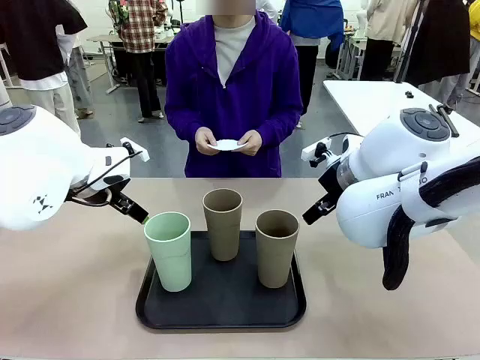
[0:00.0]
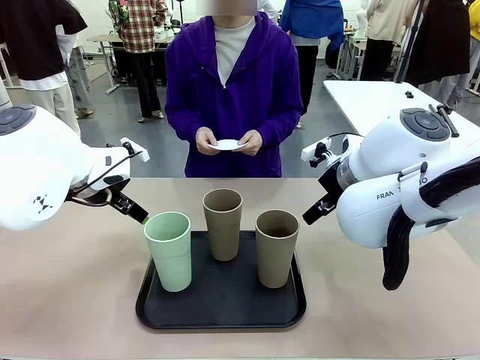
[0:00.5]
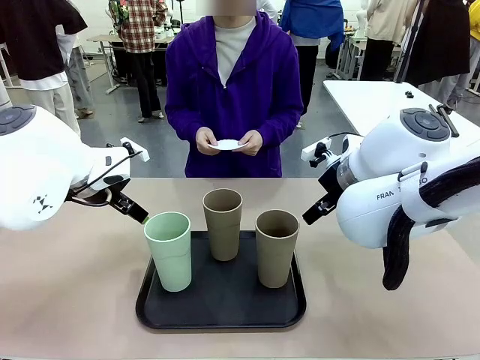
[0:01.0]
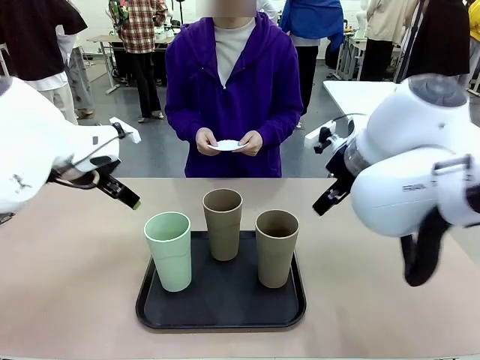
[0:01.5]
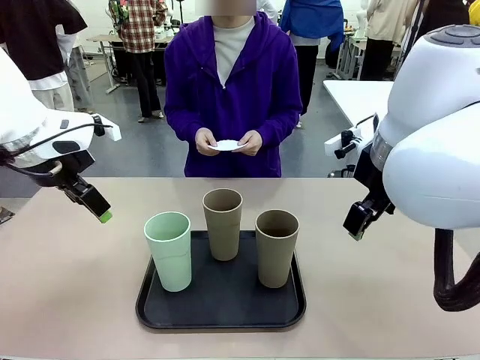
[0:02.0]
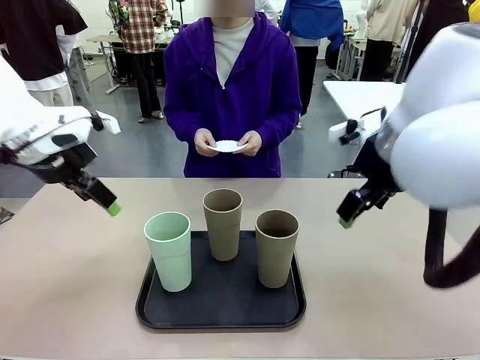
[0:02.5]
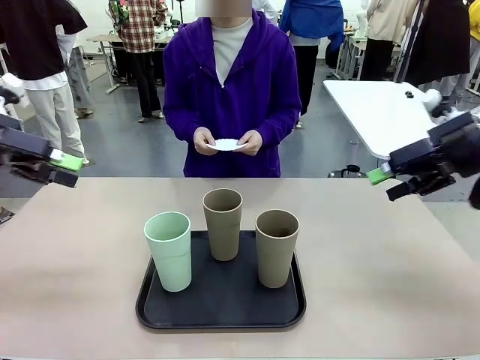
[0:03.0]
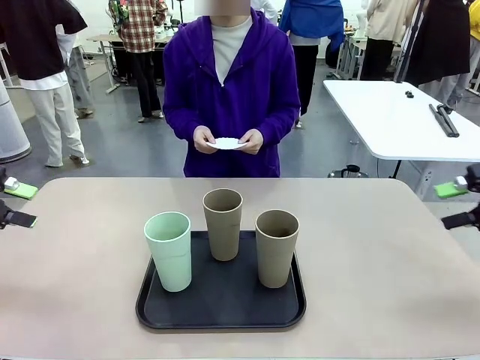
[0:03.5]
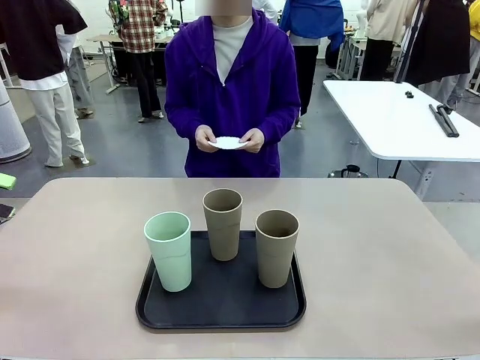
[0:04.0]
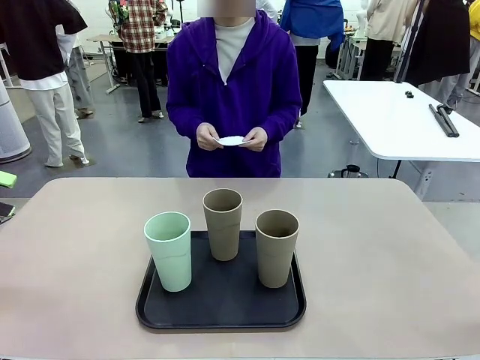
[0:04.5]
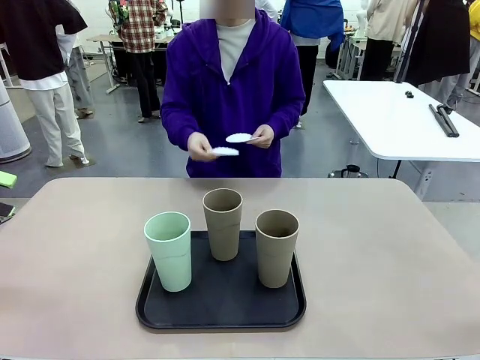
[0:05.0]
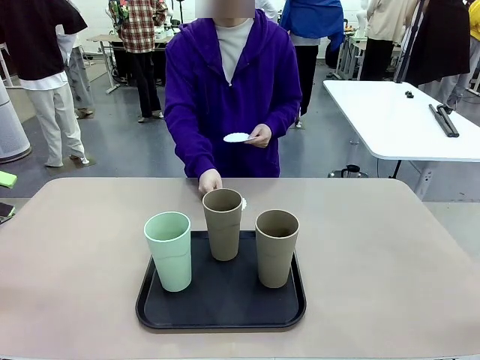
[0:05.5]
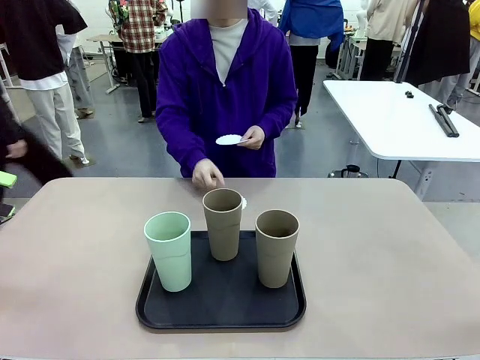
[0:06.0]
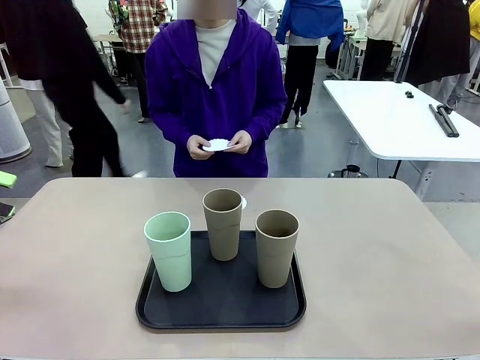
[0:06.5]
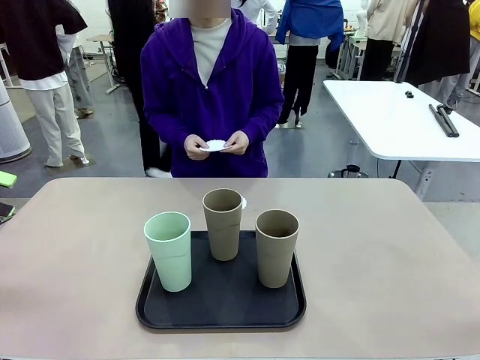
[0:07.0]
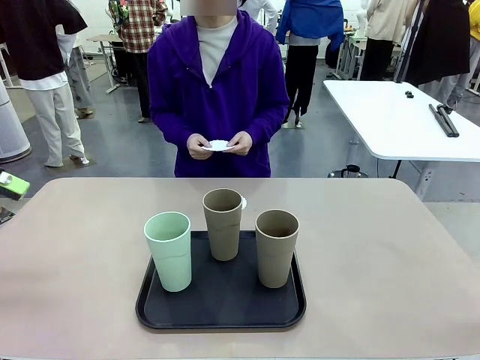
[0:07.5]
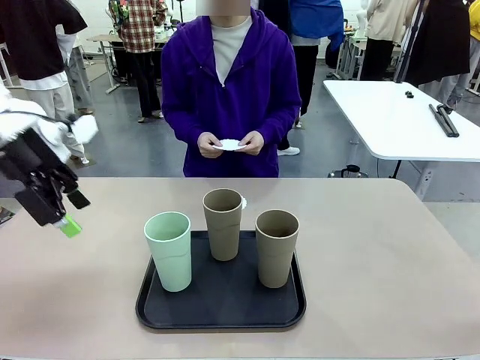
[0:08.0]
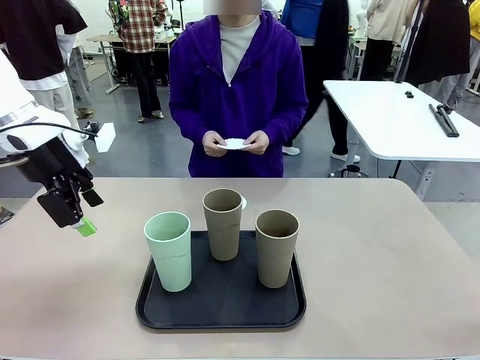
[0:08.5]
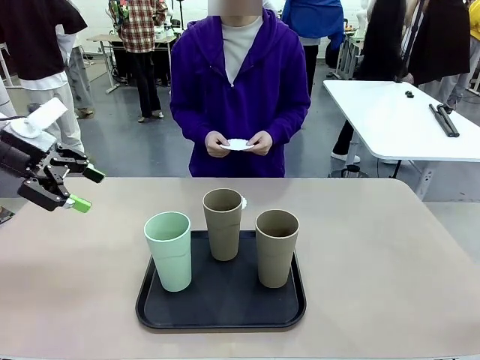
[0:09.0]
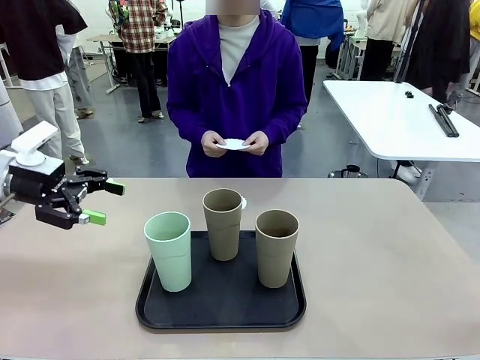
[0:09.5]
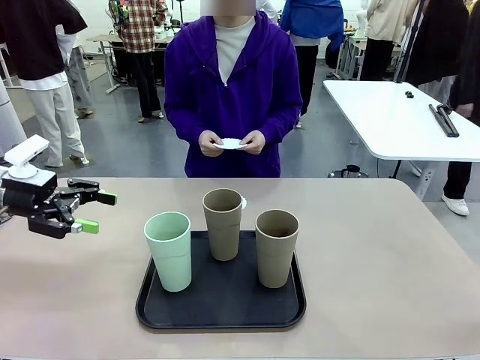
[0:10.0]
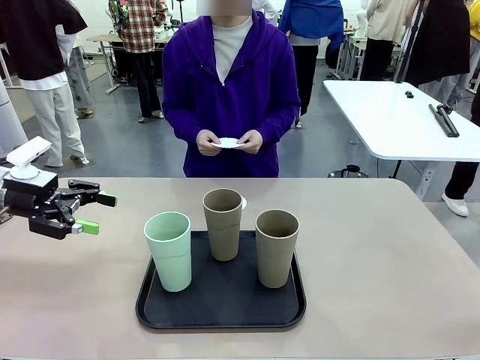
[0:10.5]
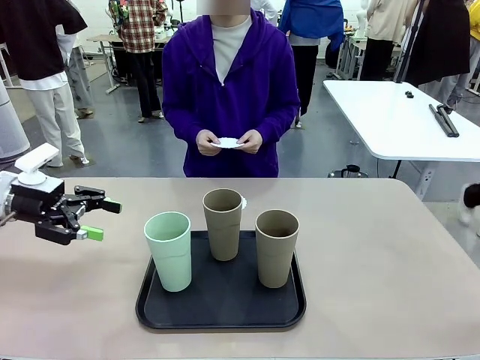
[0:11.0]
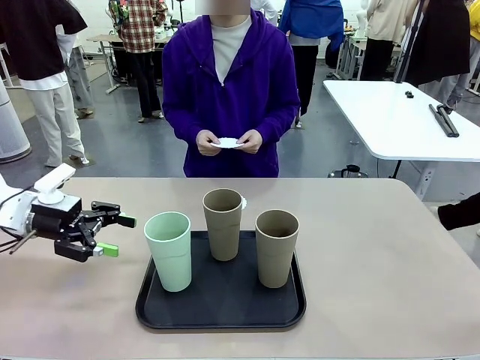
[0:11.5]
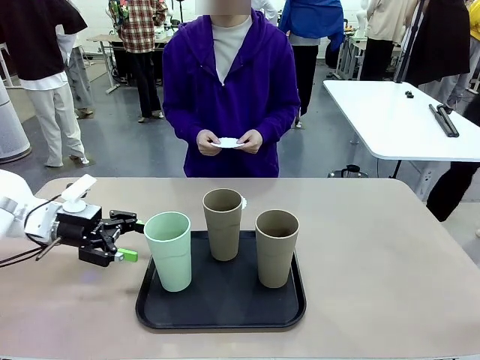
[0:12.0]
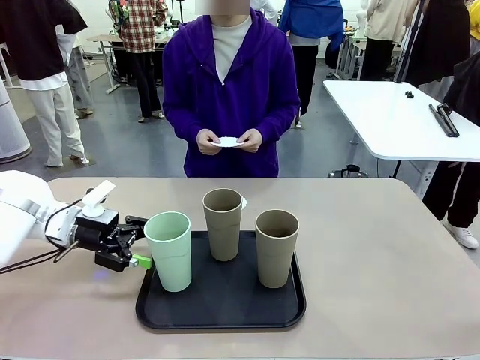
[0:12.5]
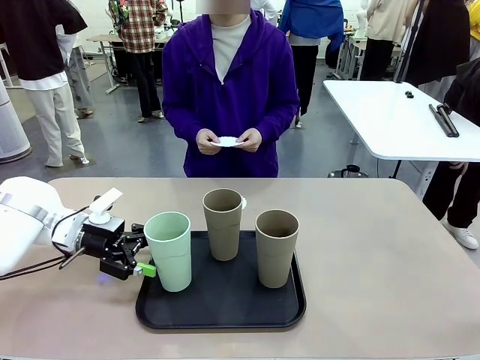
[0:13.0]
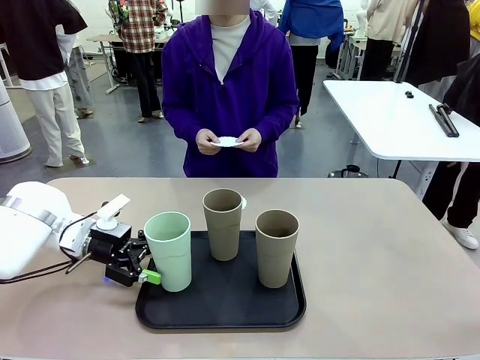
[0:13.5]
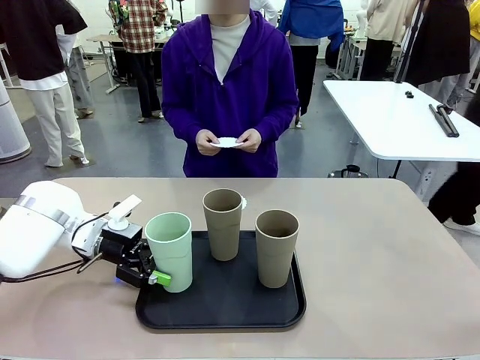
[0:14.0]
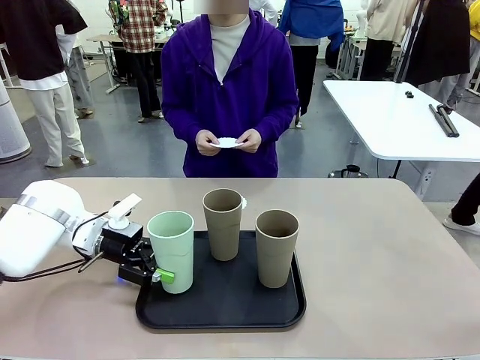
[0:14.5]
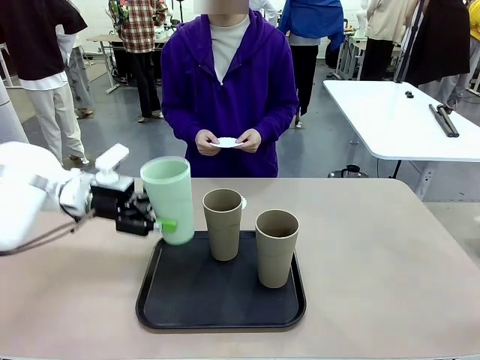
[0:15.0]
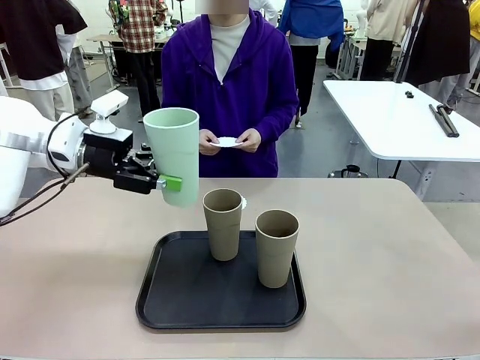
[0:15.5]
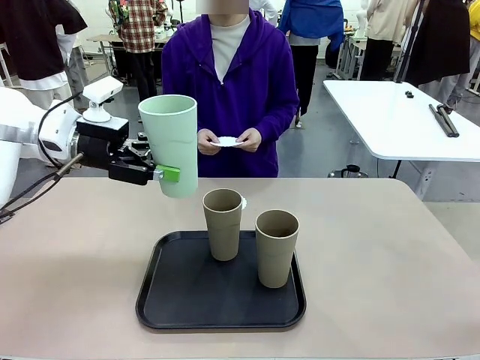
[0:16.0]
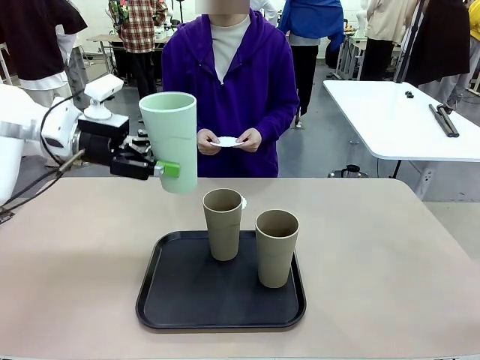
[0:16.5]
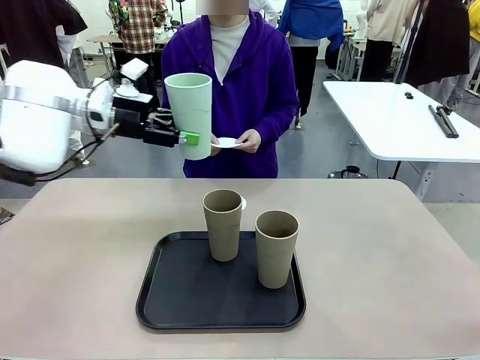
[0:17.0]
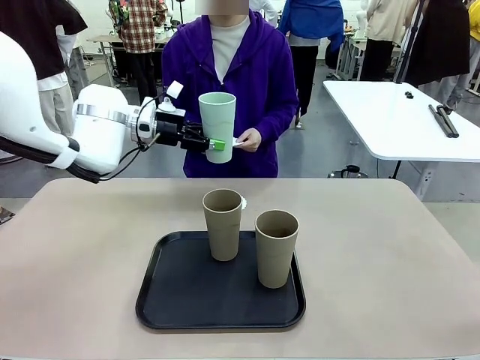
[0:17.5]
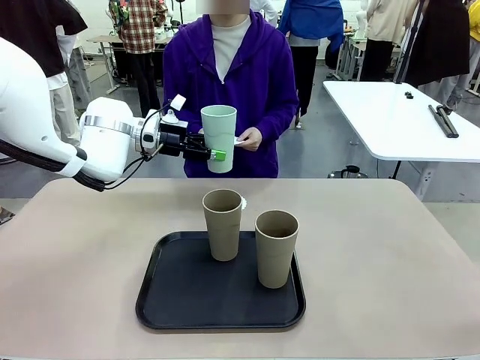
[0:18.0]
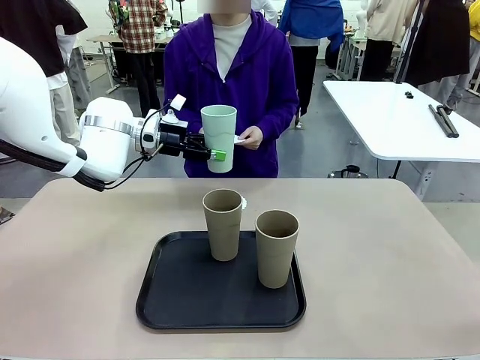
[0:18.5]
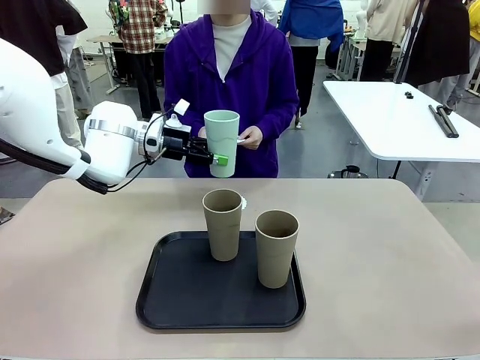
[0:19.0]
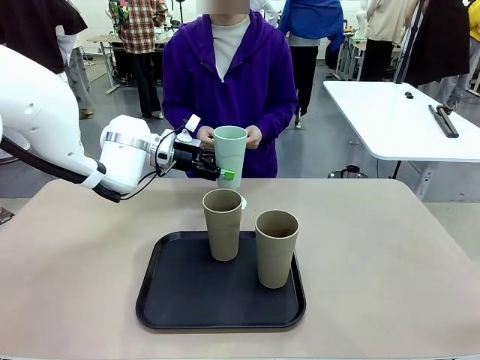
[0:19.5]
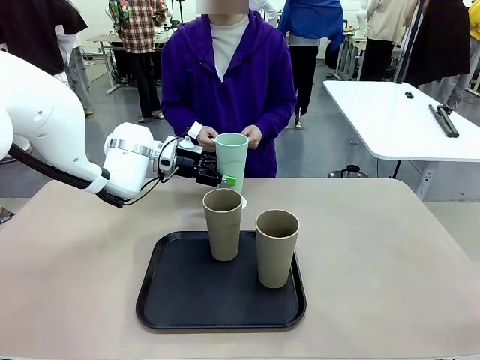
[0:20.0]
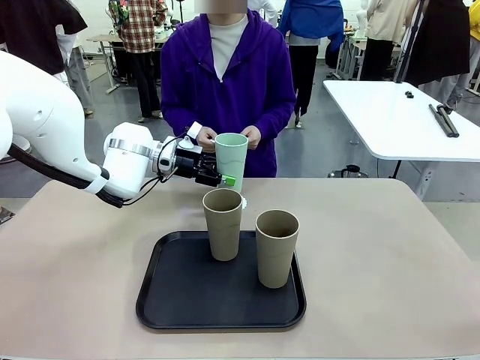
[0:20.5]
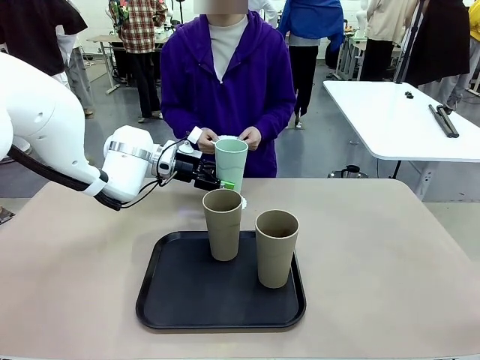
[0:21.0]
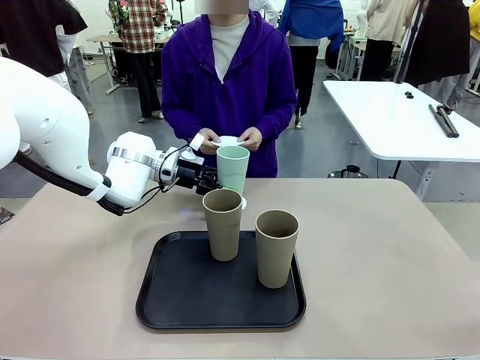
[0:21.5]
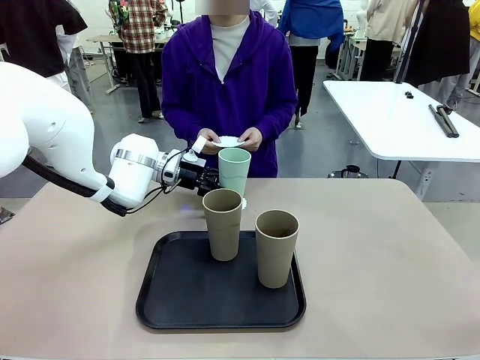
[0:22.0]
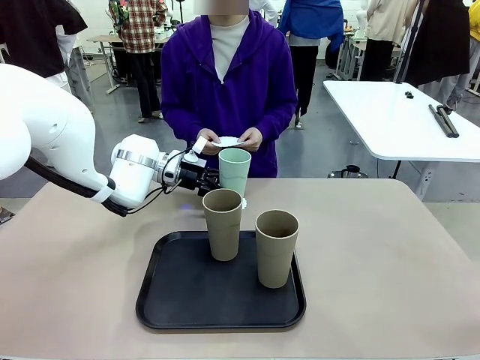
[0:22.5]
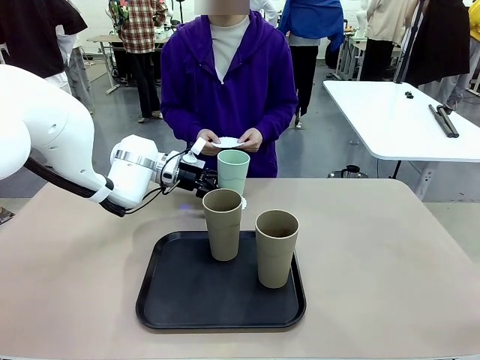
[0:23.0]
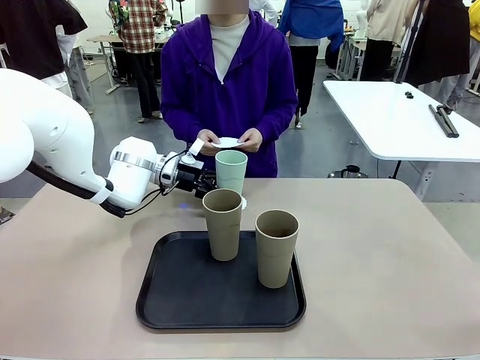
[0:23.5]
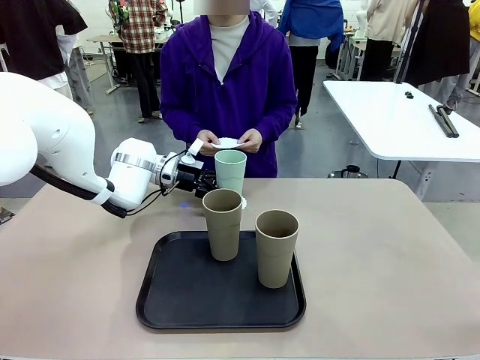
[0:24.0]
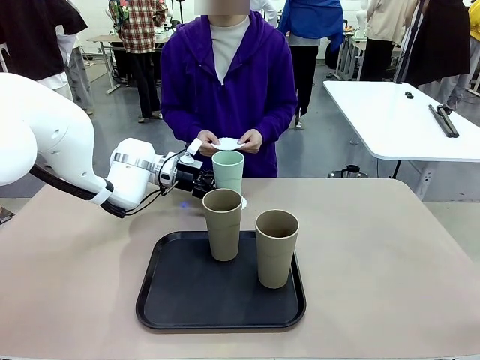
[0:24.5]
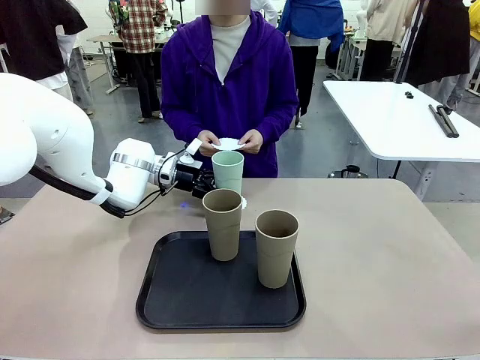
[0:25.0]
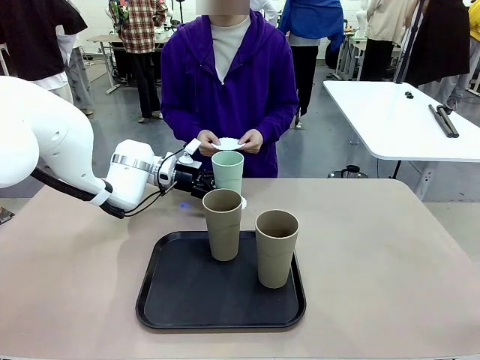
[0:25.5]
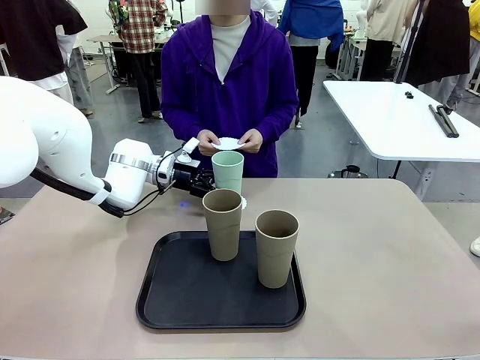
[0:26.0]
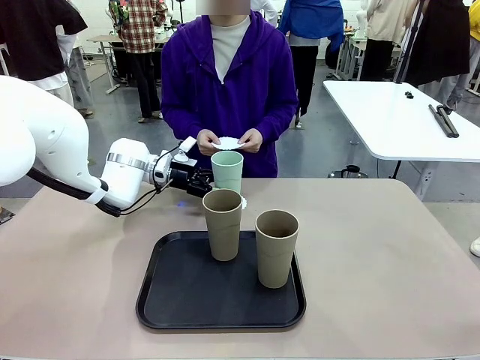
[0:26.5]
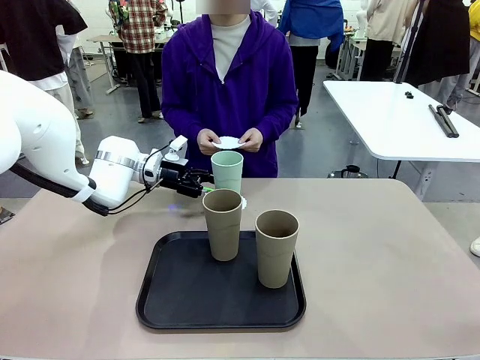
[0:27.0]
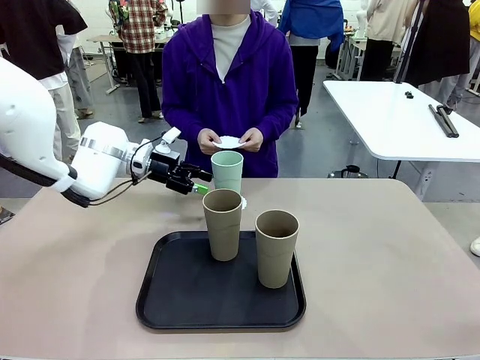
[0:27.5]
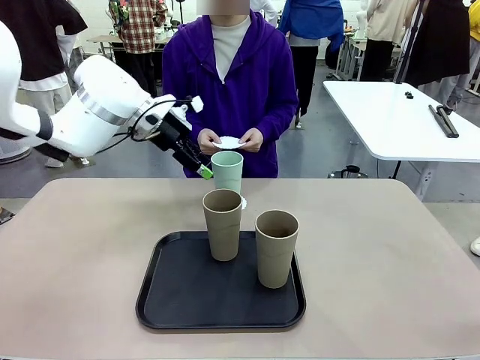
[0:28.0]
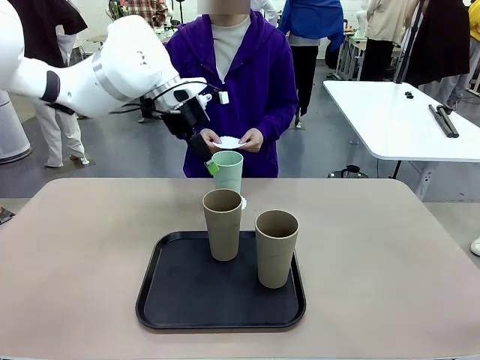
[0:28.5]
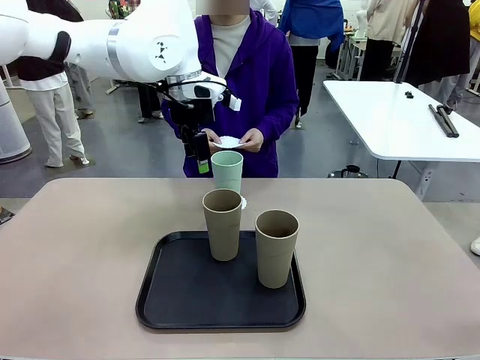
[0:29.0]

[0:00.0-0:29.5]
Task: Place coasters on the table and set cups on them.
Robot: Pick up one Reusable plastic cup and place it on a coaster set by the human.
Person: Place one coaster in any one of the three lower areas of the robot table (left, center, or right). Place one coaster in one of the two areas excluding the previously selected area.
